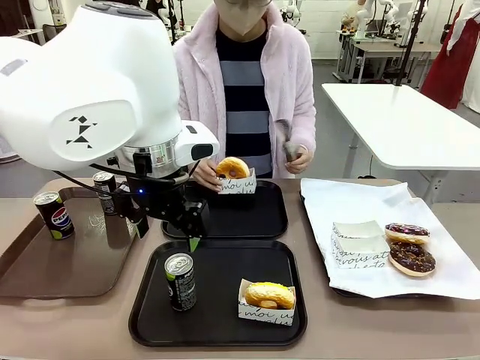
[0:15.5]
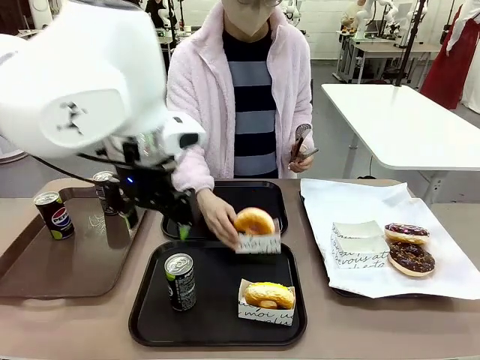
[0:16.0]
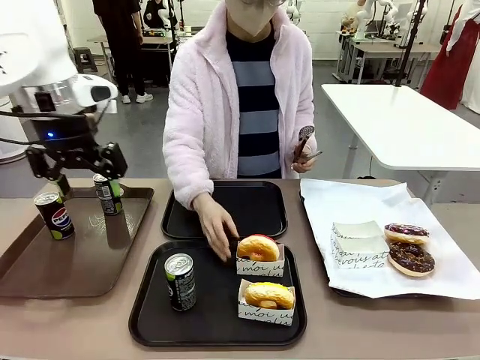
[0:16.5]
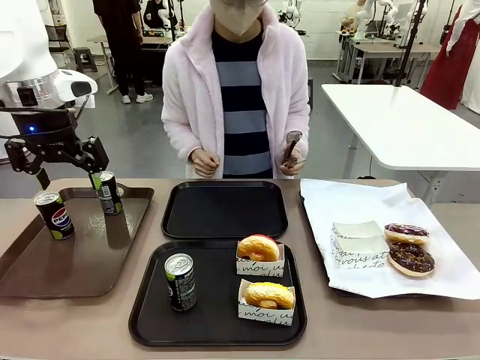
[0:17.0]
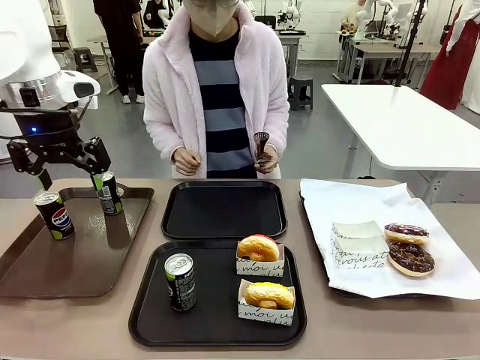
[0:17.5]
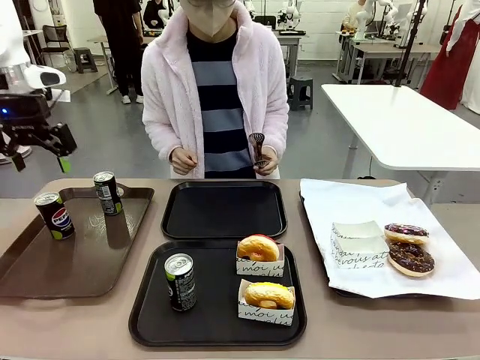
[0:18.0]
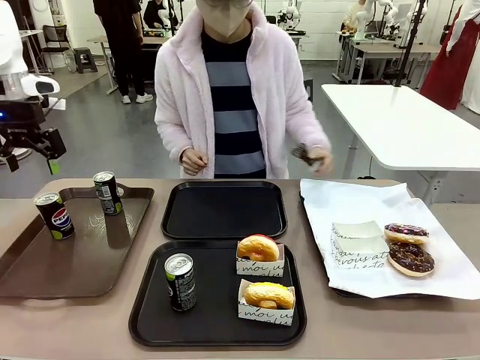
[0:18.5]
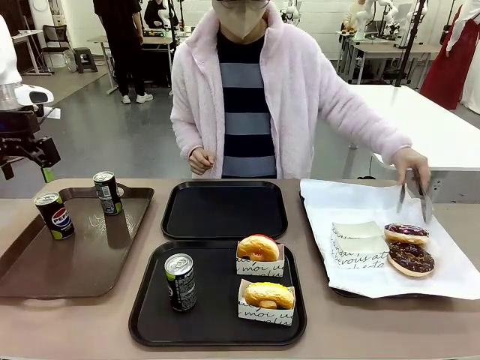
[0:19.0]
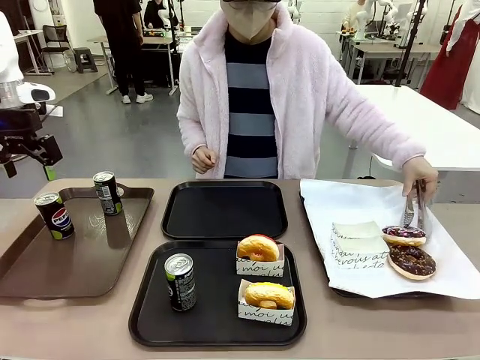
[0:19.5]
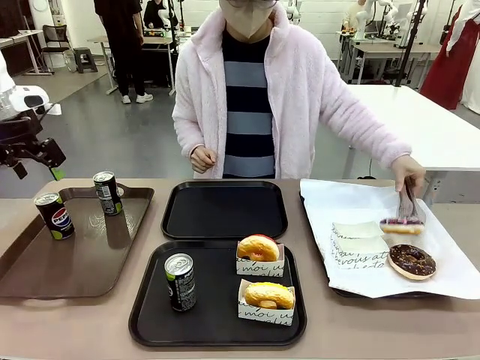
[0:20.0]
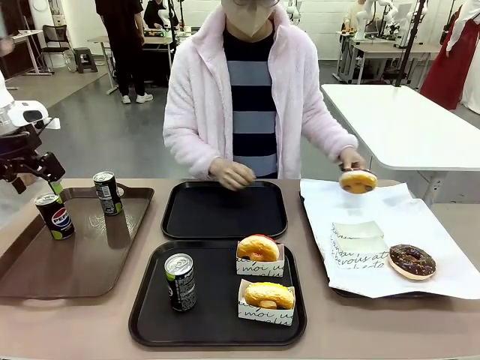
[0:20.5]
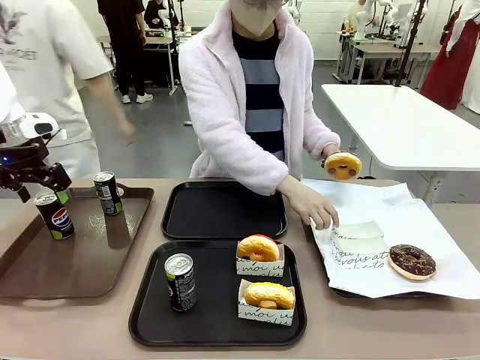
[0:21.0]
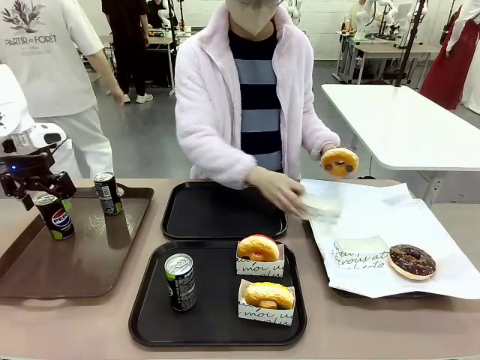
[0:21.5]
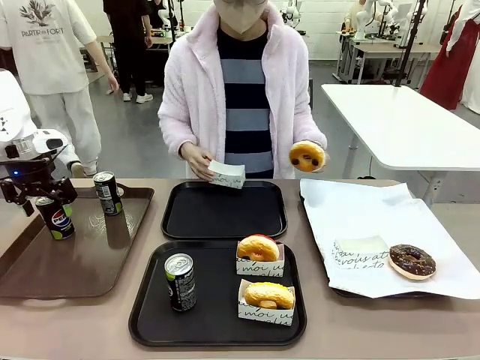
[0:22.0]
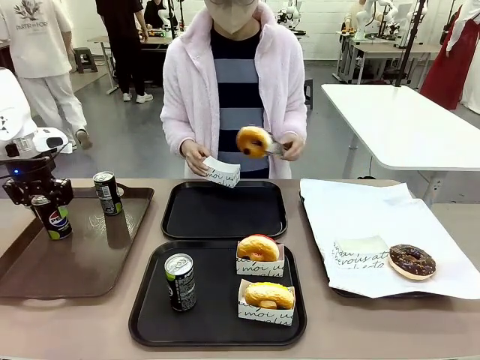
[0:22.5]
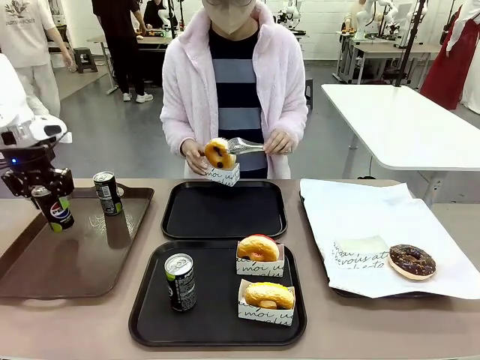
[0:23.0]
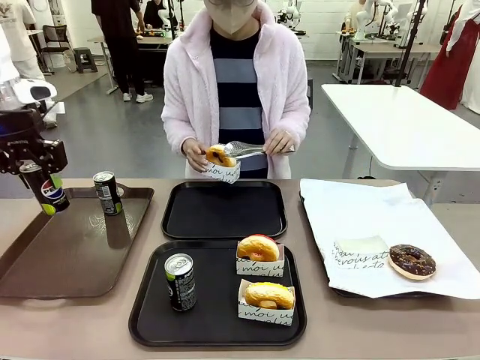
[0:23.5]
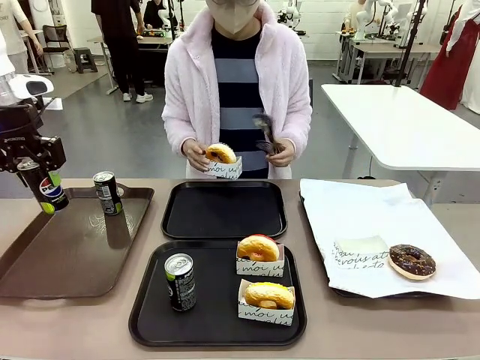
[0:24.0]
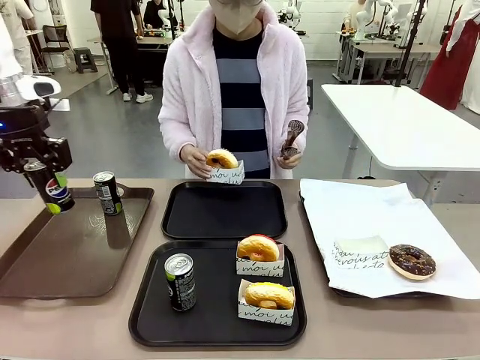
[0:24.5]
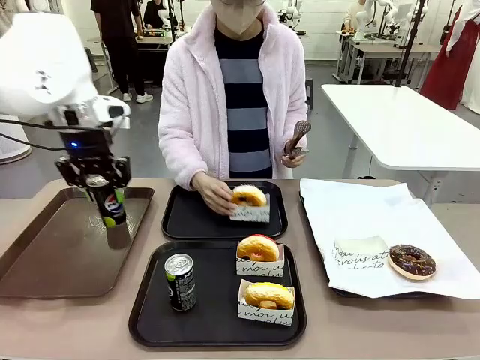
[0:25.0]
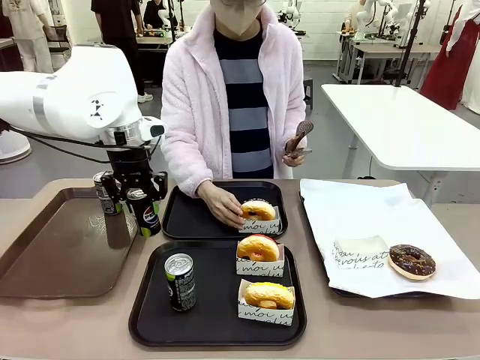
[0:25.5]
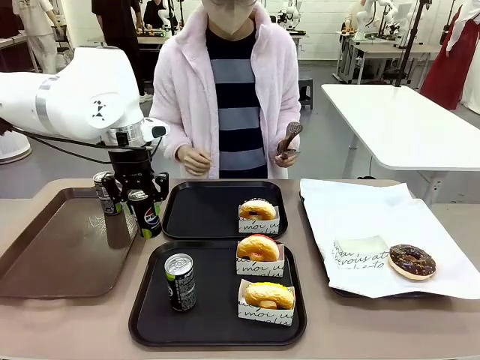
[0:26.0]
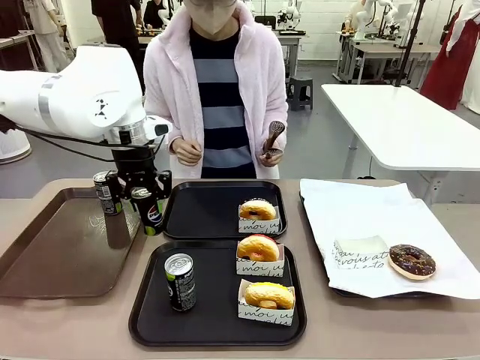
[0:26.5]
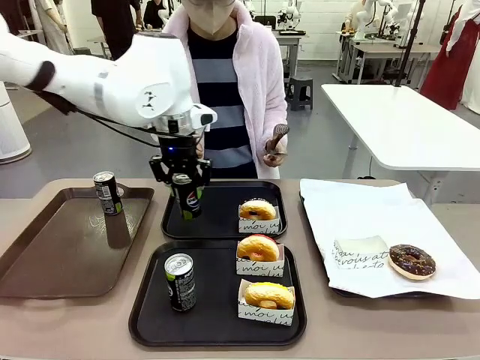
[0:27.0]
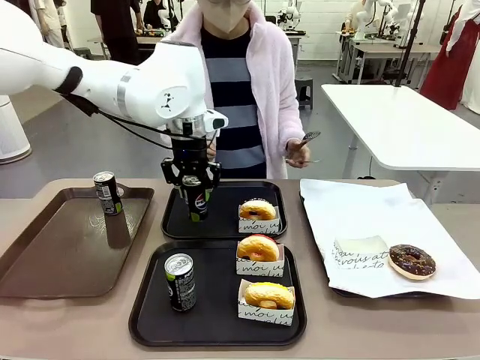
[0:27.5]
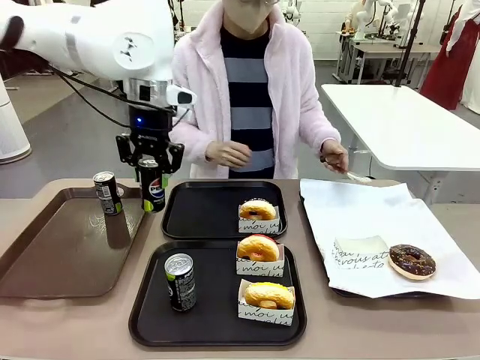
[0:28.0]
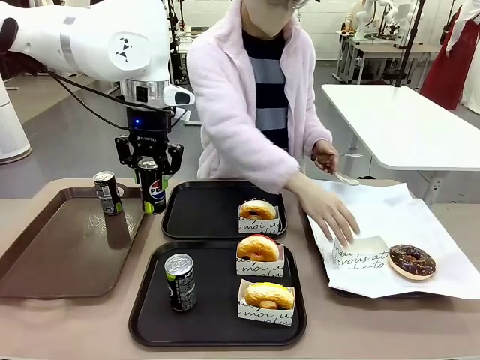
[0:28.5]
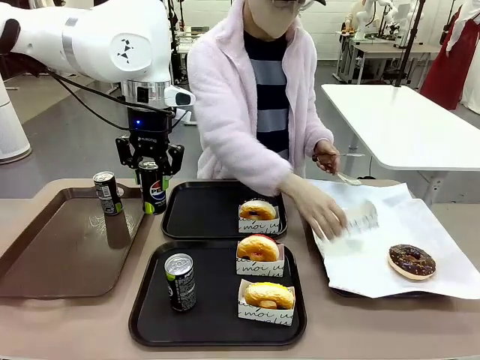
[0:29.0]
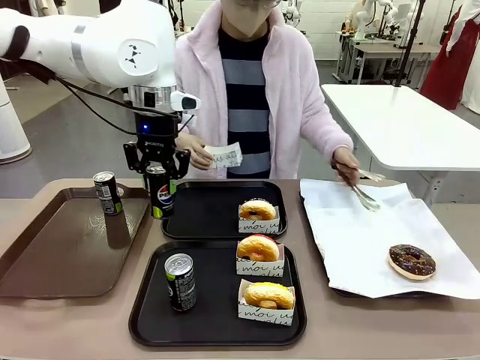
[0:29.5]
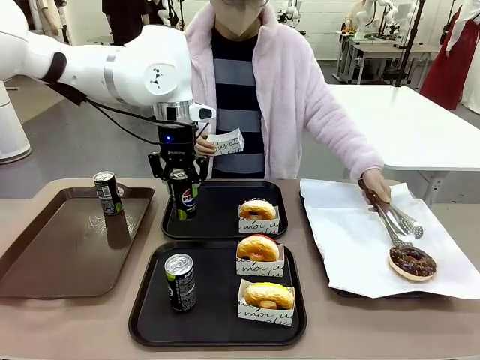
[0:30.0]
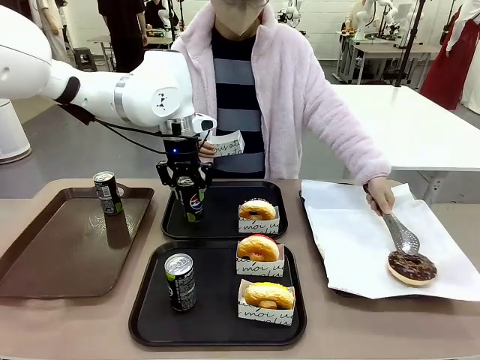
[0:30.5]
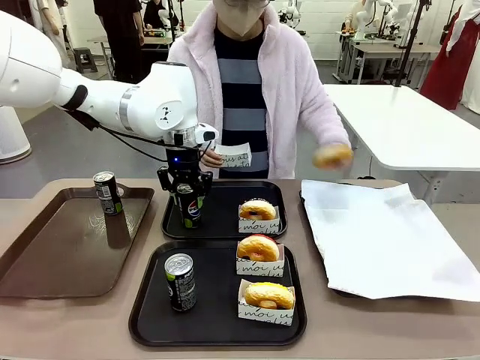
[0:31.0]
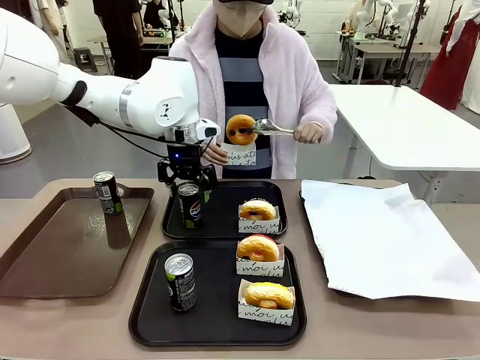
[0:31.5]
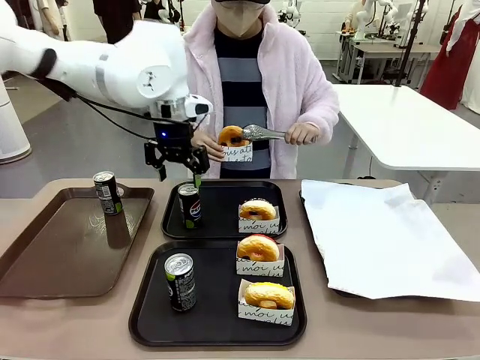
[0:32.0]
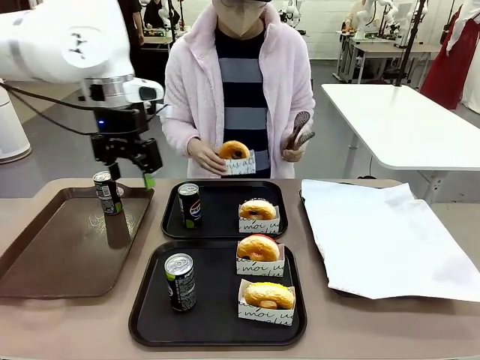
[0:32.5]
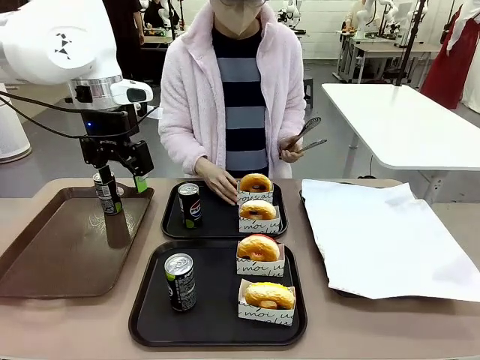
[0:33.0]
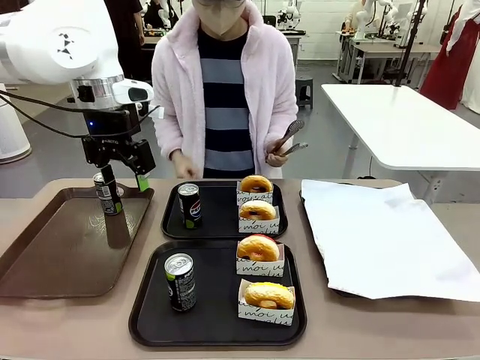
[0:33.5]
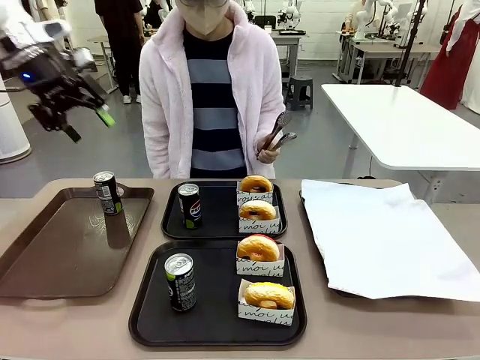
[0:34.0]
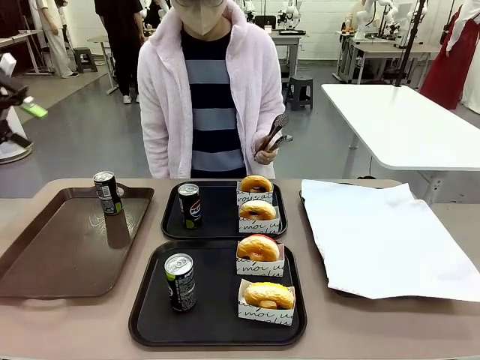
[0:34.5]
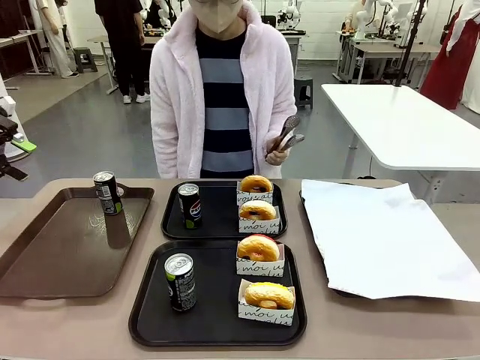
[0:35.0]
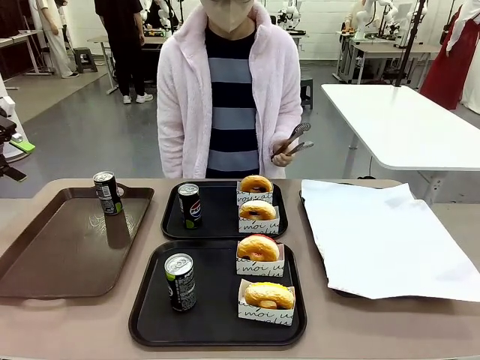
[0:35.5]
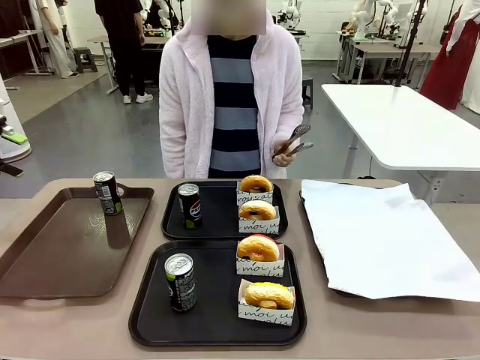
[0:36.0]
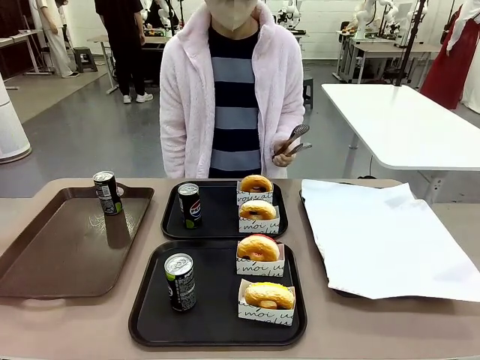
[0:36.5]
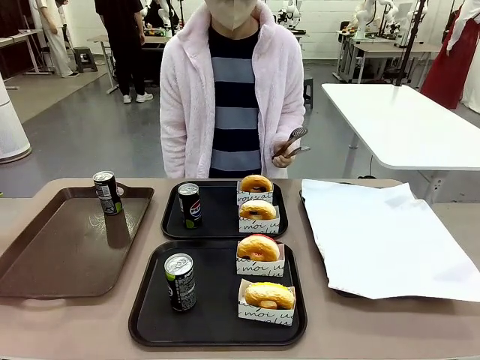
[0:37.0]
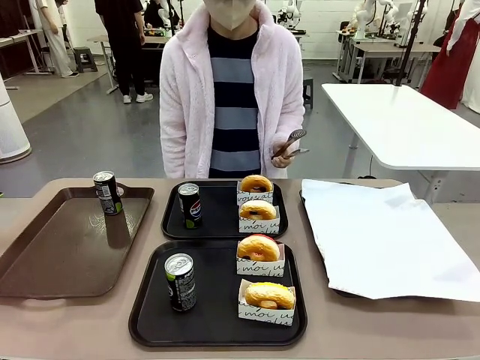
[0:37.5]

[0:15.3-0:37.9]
Task: Set up donuts and drinks on trays.
Robot: Pick up one Pepsi coke from the Handle tray and place it on the Flat Tray without a Pepsi coke.
Person: Pick up one donut with tongs, place it in the donut tray, and then place the donut tray on the flat tray.
